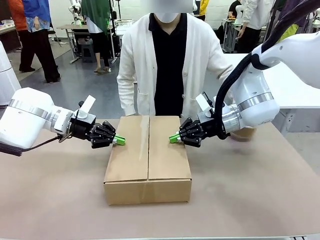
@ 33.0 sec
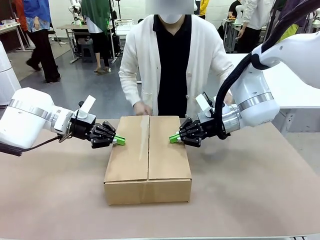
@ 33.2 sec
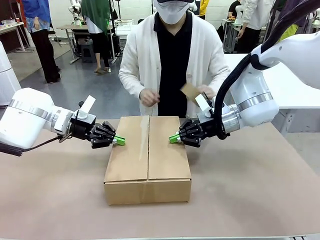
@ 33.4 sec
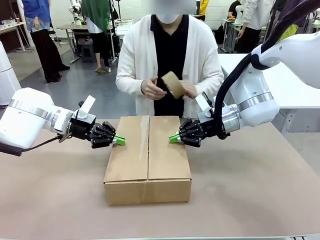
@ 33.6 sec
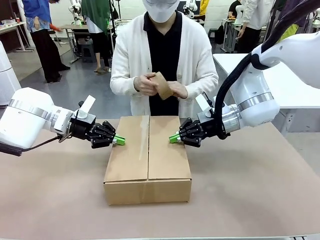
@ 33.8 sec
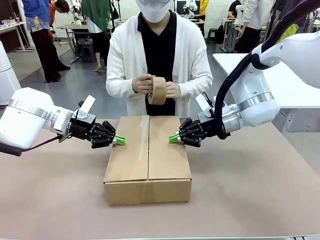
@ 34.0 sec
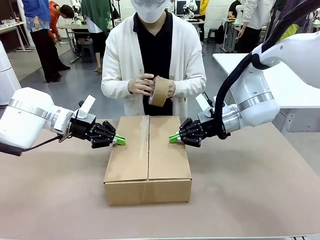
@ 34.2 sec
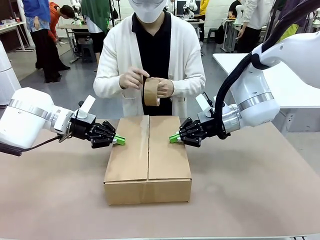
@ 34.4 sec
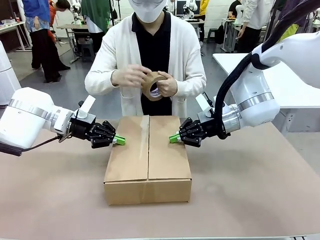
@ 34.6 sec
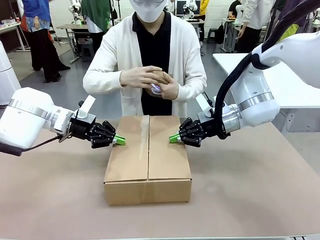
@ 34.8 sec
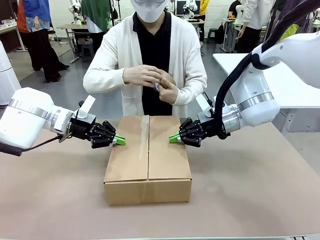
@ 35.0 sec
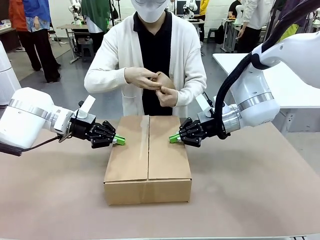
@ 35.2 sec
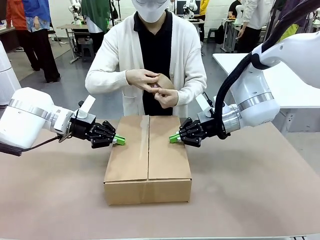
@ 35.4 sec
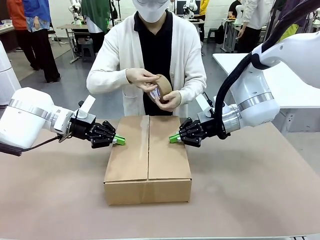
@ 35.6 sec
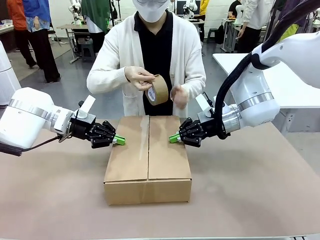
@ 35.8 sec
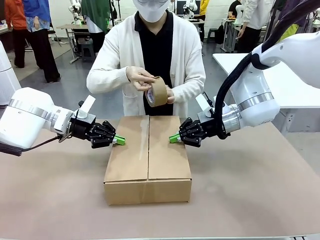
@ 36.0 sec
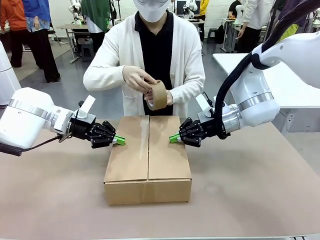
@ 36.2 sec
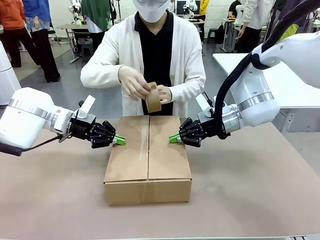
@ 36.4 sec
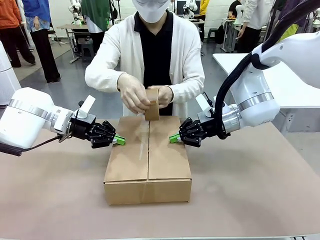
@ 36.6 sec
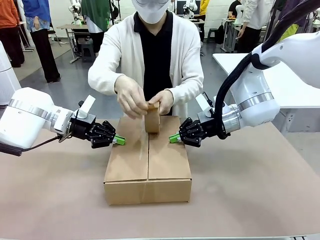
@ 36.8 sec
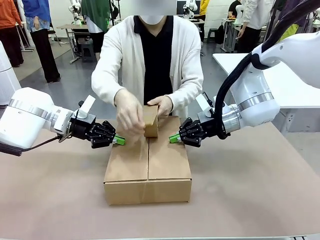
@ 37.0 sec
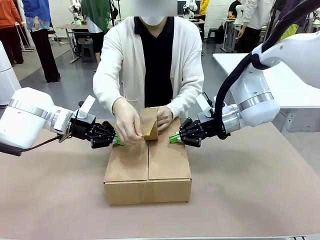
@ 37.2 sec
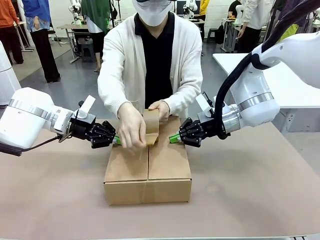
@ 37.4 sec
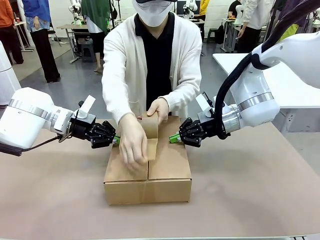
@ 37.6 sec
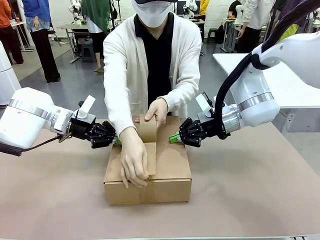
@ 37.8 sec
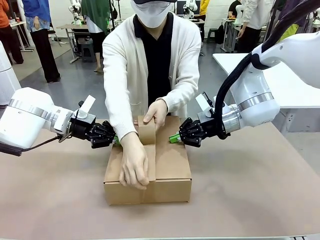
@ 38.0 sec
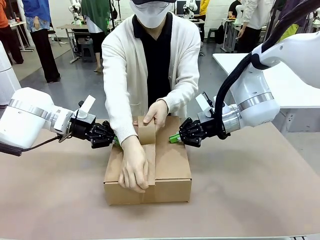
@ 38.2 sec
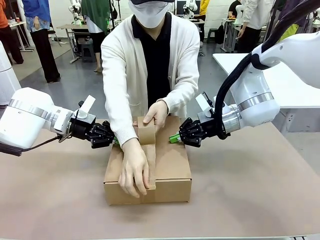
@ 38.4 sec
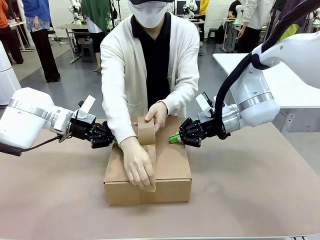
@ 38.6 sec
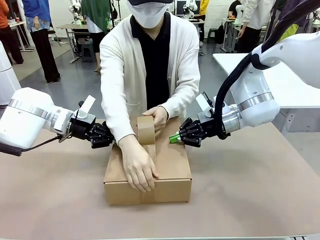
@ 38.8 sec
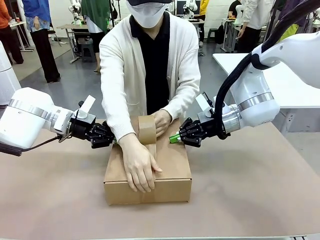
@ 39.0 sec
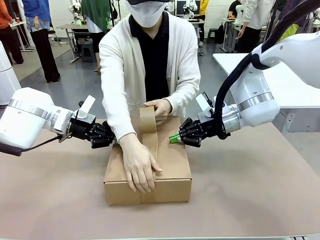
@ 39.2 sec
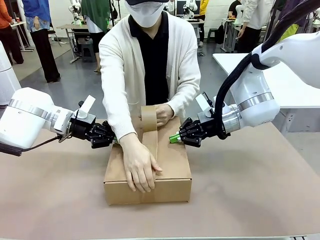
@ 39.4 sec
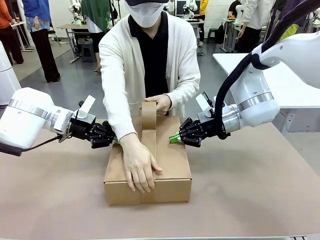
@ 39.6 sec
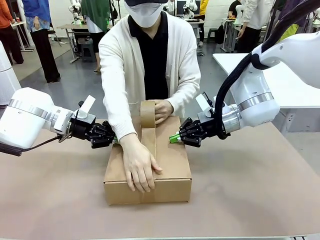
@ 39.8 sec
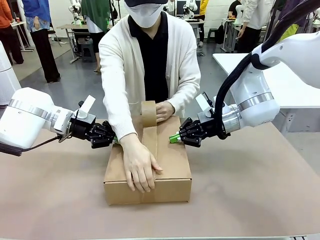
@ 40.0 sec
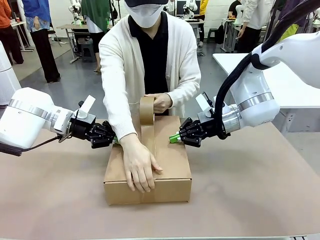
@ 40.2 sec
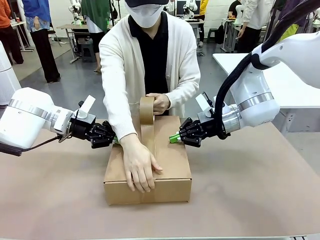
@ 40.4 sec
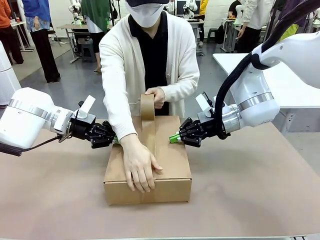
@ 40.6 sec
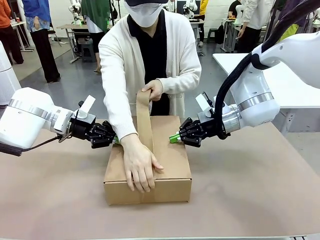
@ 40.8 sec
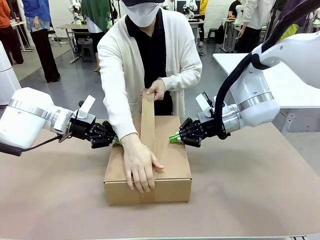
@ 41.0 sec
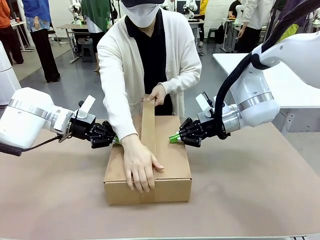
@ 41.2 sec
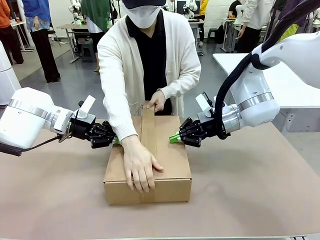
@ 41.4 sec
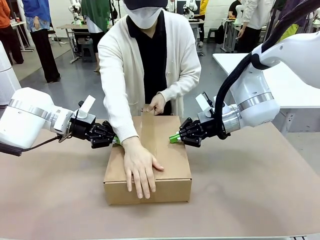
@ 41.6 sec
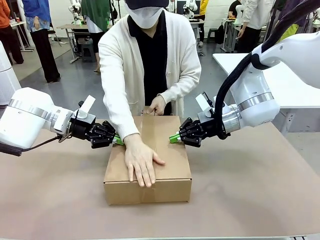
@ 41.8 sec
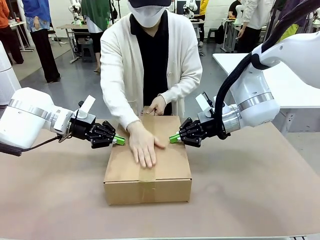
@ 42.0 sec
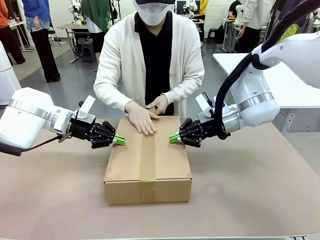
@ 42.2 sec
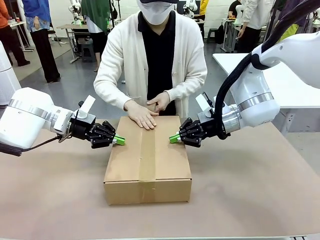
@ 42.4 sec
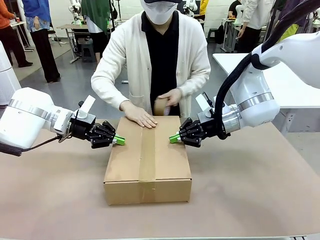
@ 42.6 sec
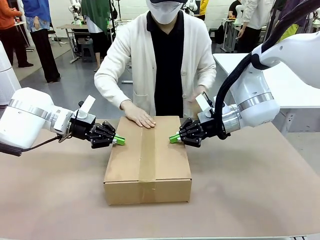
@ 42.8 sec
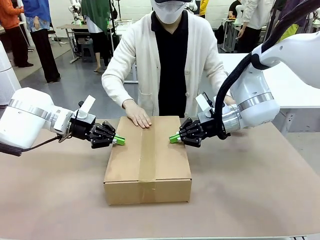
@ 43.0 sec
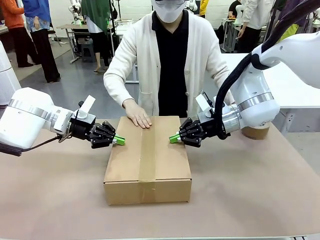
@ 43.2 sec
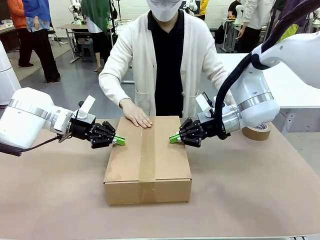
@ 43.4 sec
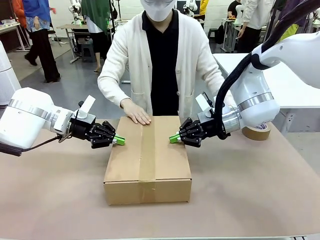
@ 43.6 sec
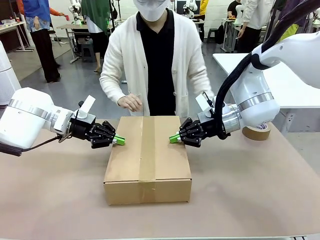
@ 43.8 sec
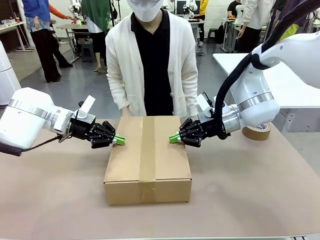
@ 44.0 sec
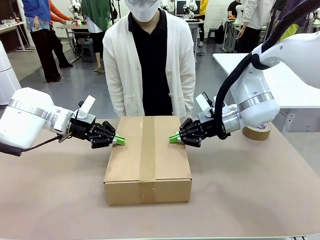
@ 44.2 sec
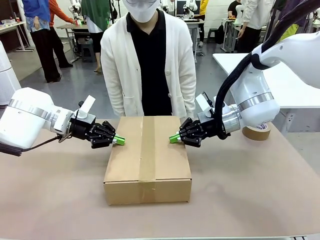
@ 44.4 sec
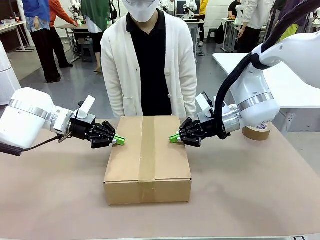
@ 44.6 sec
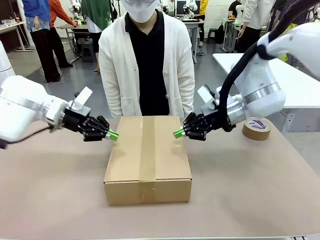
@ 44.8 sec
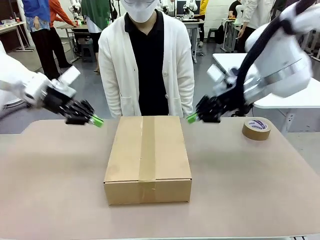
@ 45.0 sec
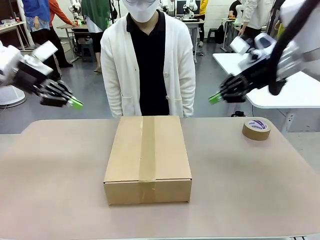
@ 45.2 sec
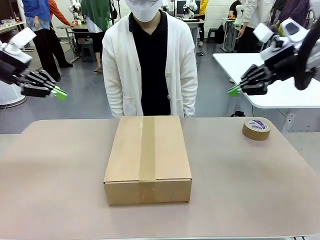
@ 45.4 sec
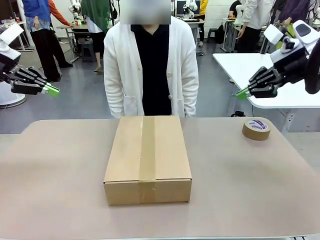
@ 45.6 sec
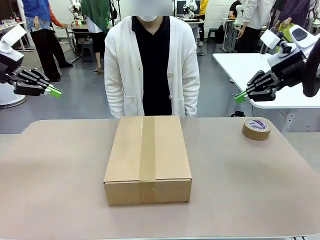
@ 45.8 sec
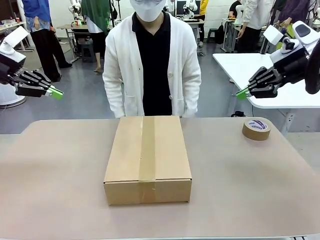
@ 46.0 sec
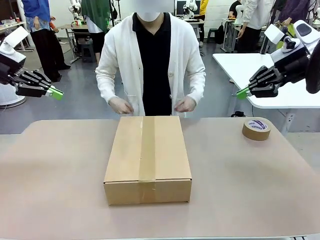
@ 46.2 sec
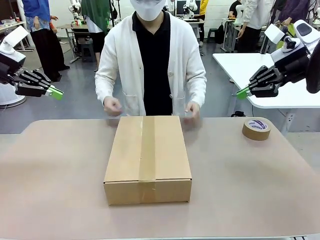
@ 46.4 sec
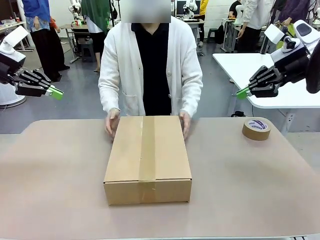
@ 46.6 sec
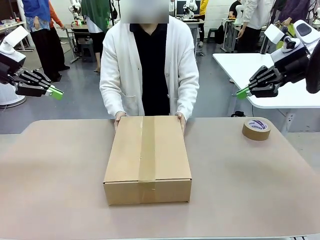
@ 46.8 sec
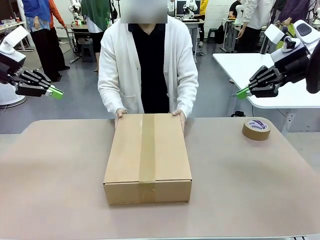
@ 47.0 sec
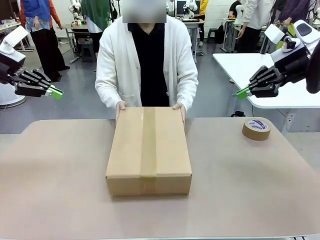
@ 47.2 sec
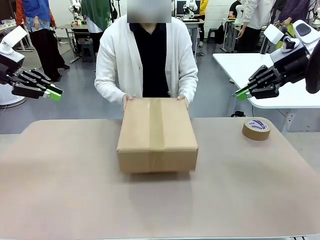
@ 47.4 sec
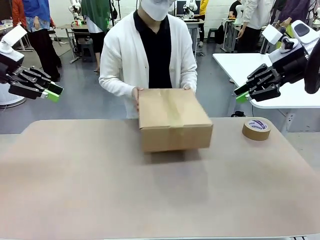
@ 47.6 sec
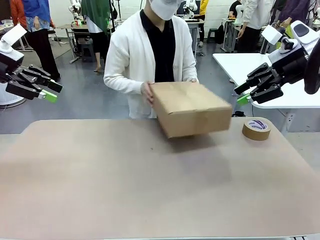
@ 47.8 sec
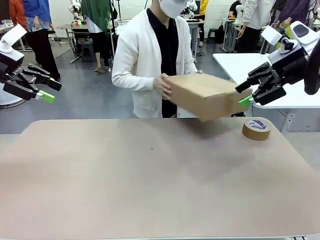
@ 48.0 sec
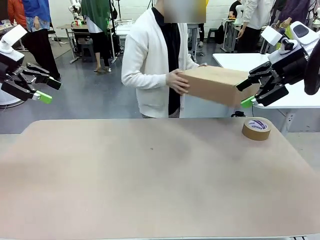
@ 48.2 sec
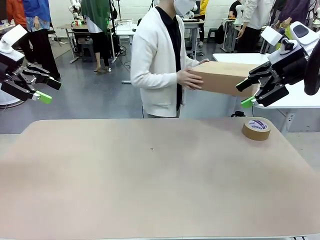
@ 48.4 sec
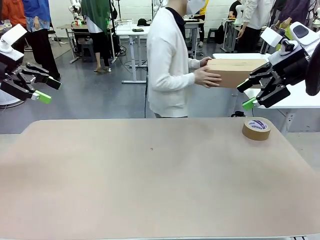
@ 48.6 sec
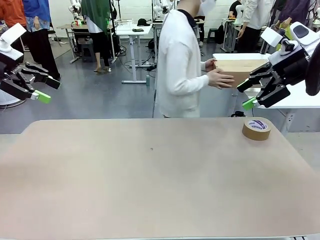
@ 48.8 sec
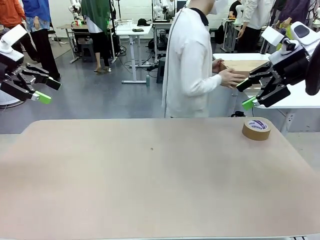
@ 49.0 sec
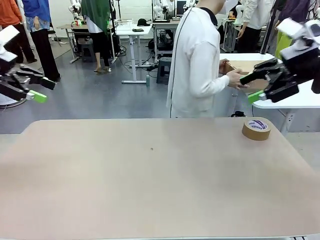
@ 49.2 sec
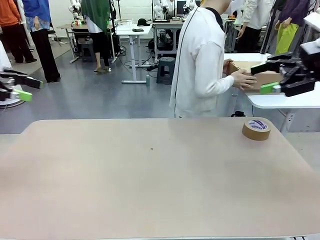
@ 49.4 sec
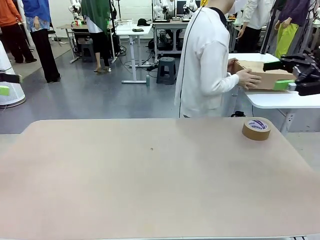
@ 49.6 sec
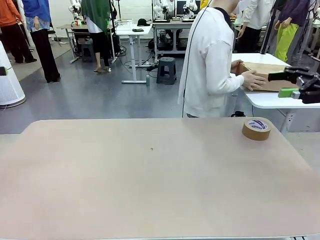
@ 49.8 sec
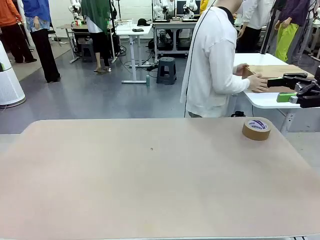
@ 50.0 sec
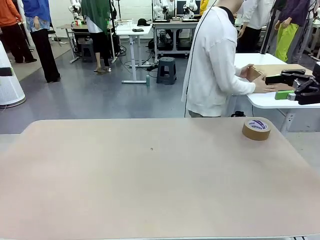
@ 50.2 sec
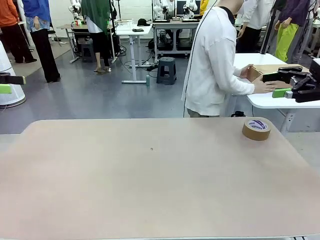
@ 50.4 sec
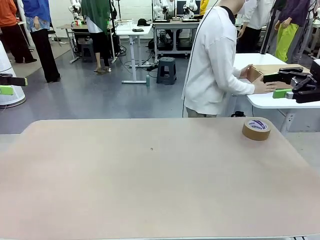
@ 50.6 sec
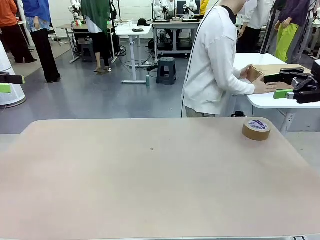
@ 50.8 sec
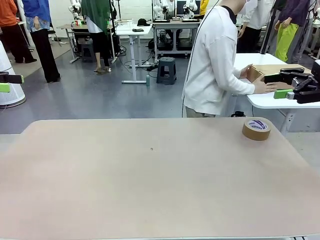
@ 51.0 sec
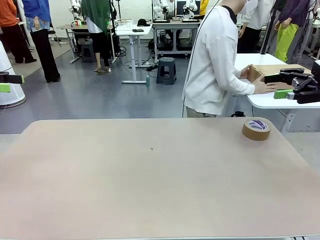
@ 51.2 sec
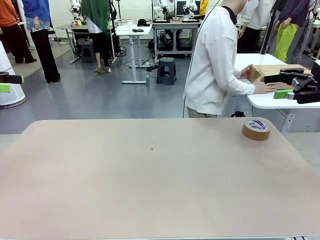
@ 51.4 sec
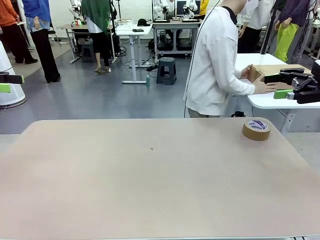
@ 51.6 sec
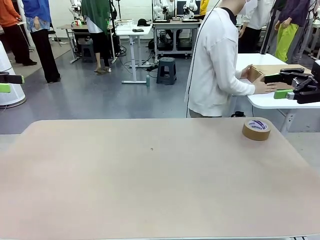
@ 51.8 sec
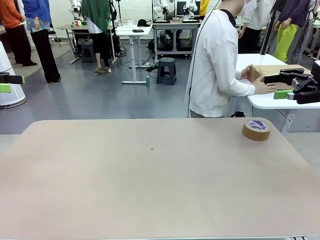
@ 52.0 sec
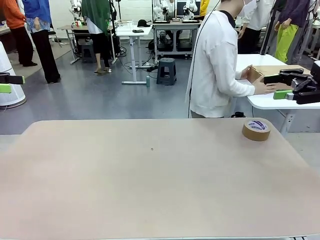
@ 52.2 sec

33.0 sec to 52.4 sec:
Task: Wrap the clocks to prevent damage.
Robot: After the human seals the box with tape, release both hands from the side flaps of the Package Box.
Person: Once the robot closes the left flap of the Package Box , seal the box with Paper Tape. Place sealed Package Box in the middle of the human's table.
